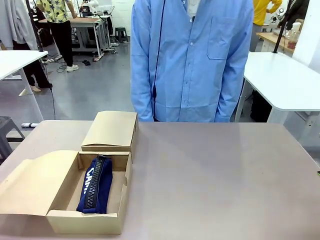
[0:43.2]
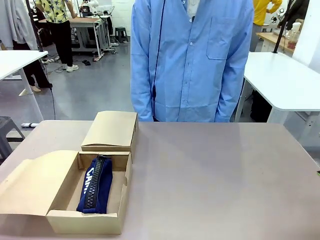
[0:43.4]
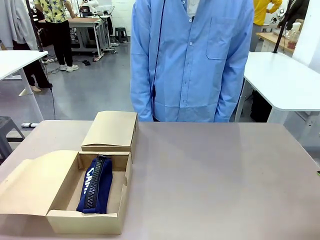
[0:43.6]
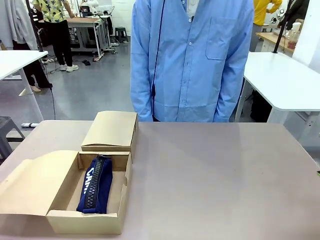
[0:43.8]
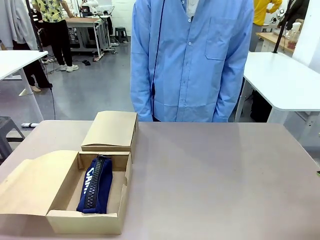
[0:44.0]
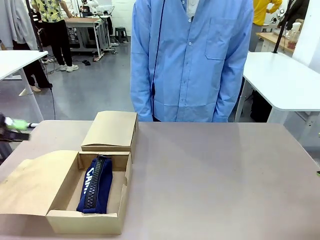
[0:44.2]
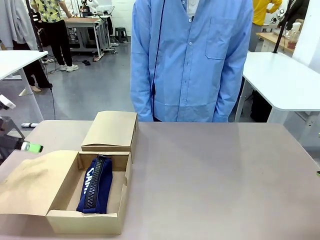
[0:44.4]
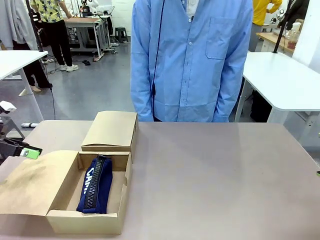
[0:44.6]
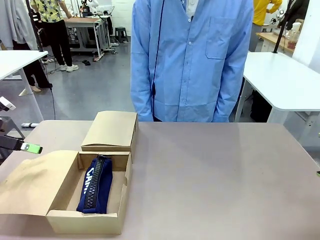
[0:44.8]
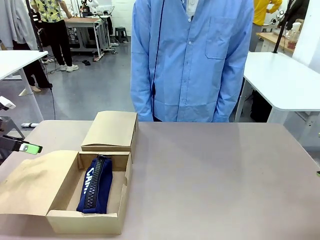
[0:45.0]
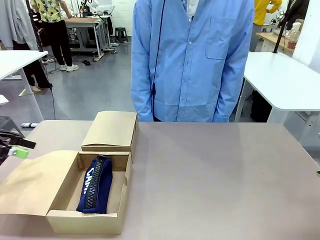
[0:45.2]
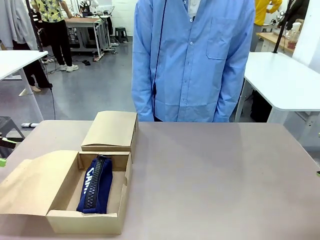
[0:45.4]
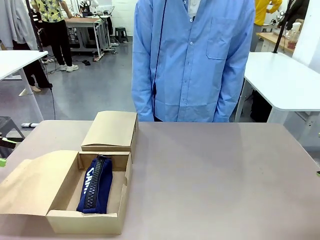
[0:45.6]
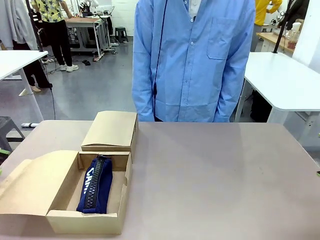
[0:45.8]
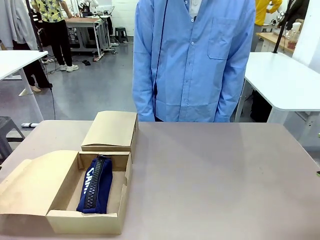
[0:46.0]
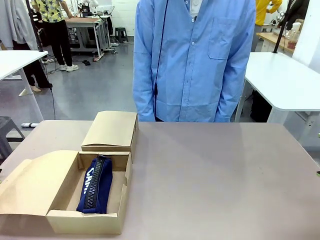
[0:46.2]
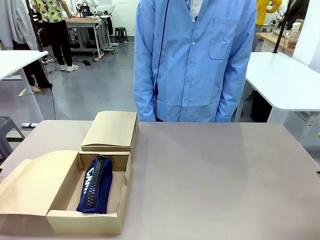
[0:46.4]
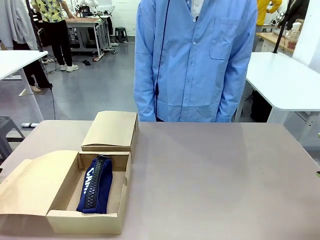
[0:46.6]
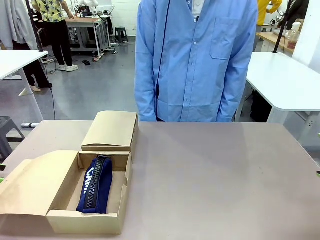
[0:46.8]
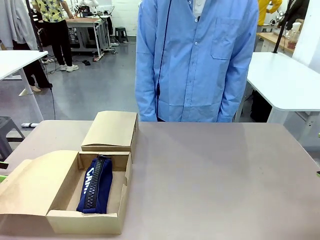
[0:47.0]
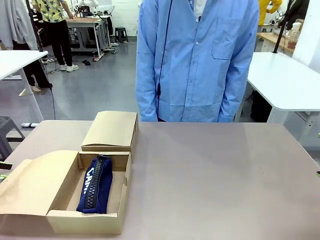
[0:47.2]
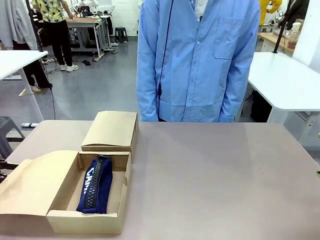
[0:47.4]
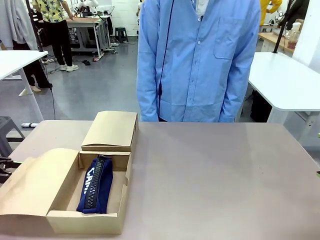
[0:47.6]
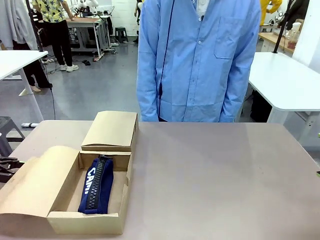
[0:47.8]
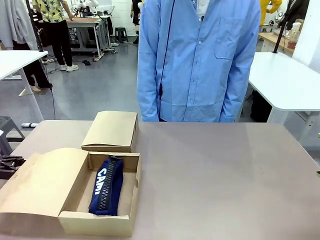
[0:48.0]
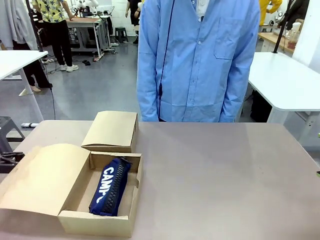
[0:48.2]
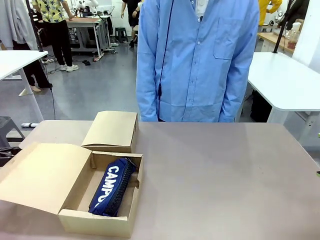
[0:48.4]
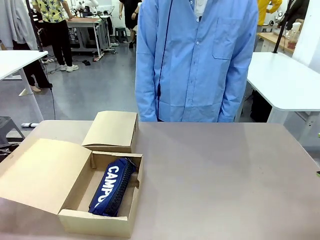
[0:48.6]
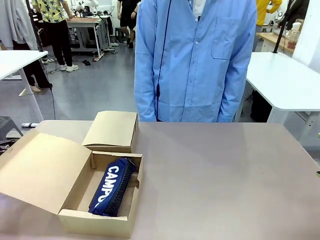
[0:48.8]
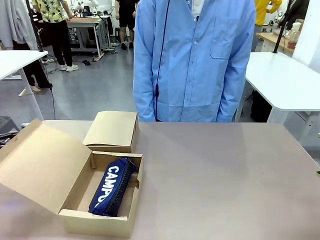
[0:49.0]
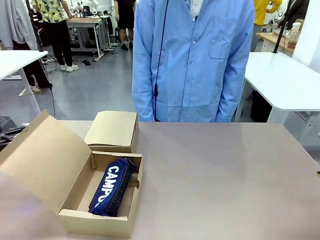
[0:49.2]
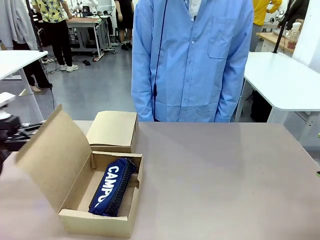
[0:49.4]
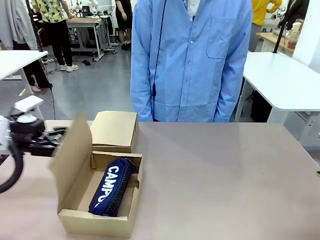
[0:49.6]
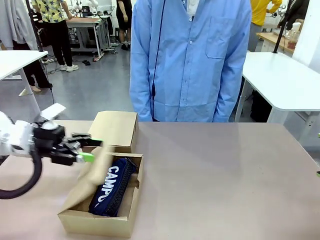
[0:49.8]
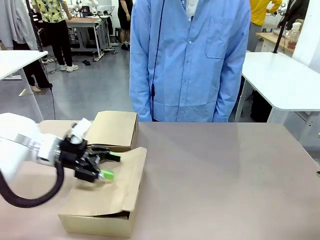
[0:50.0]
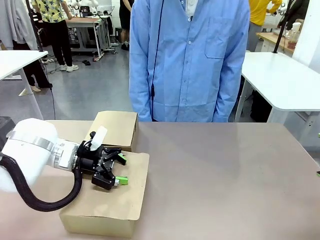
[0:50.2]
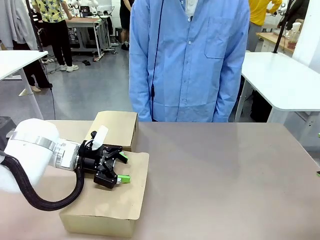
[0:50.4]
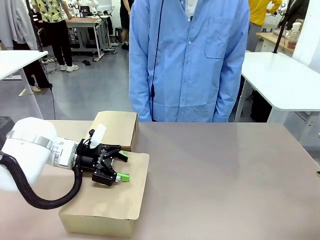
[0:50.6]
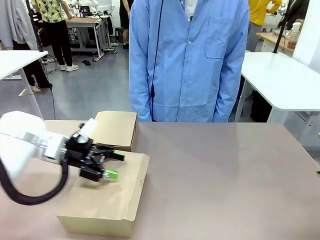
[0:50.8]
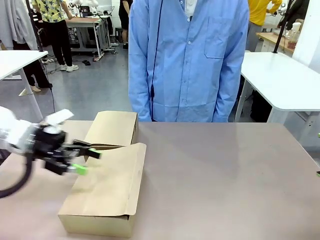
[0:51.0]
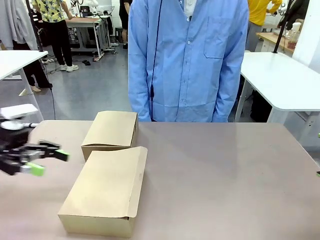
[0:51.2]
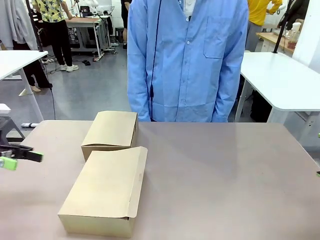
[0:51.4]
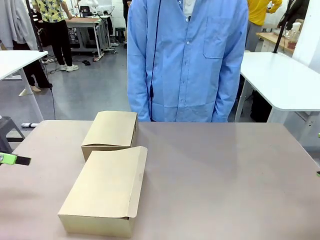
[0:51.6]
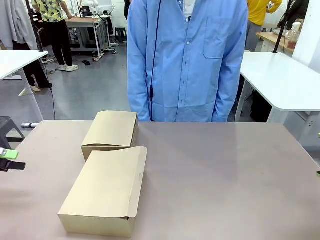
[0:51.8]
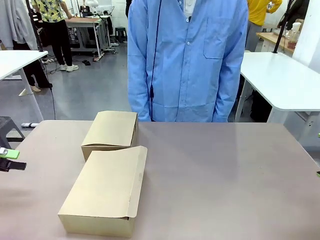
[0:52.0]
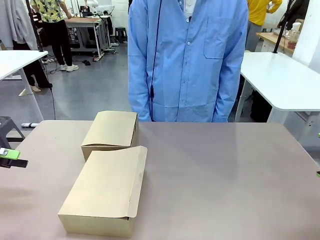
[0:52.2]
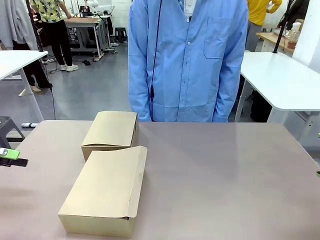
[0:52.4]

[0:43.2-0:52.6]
Task: Place items inside the box.
Robot: Close the lid of the Mailer Box closest to the robot.

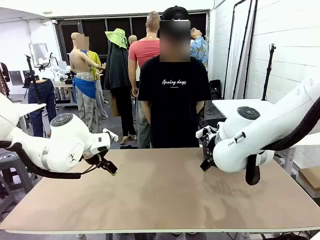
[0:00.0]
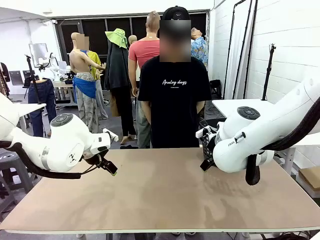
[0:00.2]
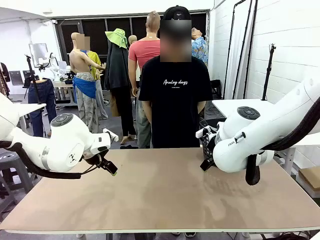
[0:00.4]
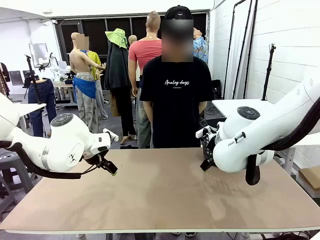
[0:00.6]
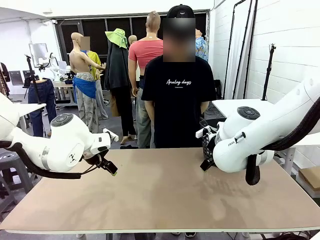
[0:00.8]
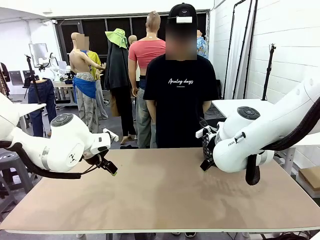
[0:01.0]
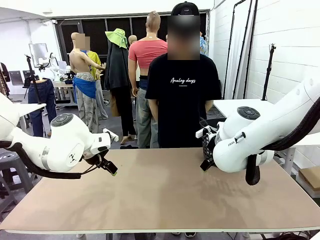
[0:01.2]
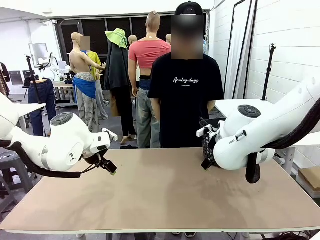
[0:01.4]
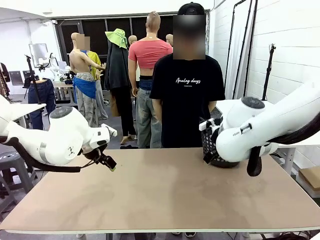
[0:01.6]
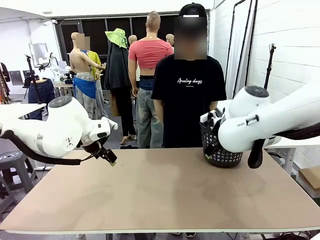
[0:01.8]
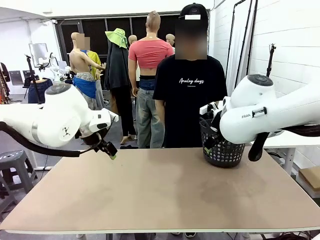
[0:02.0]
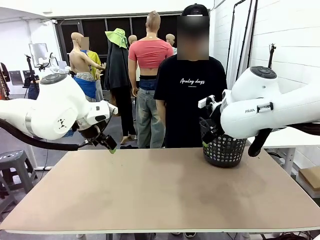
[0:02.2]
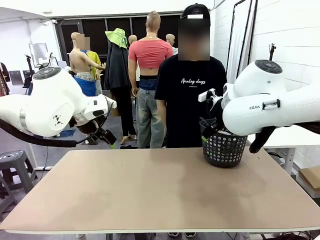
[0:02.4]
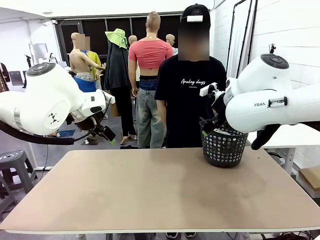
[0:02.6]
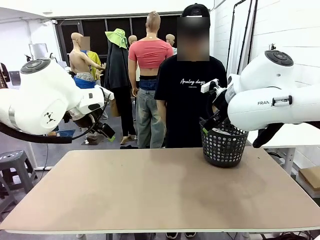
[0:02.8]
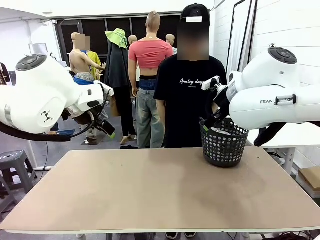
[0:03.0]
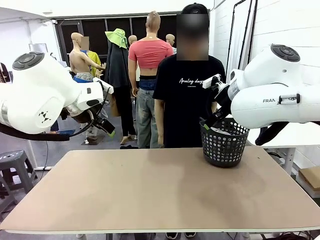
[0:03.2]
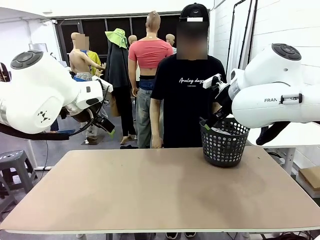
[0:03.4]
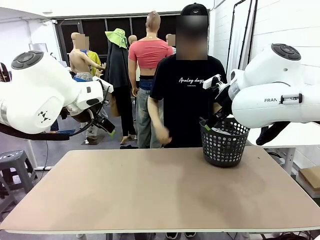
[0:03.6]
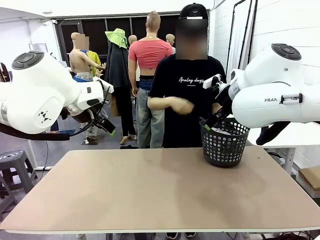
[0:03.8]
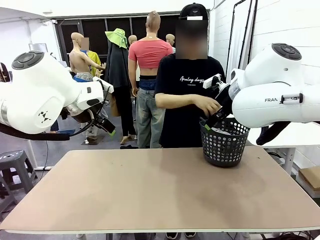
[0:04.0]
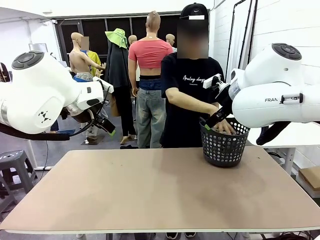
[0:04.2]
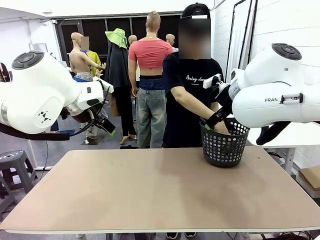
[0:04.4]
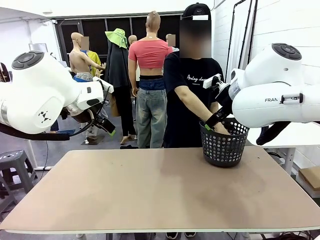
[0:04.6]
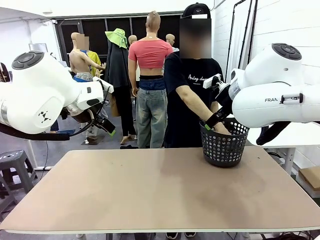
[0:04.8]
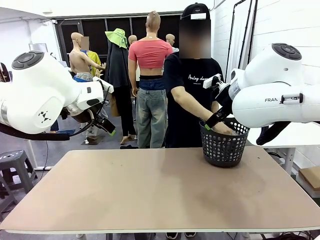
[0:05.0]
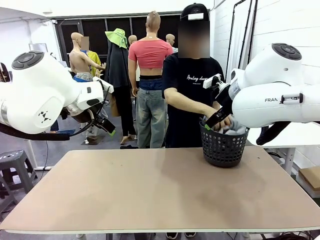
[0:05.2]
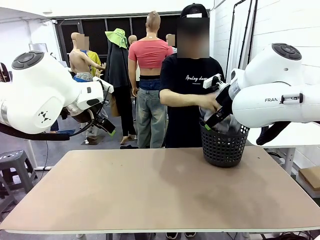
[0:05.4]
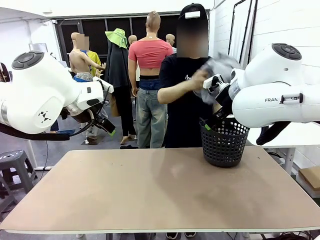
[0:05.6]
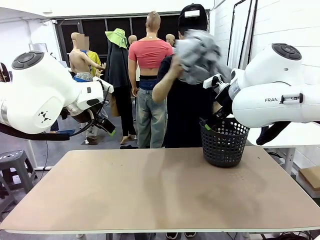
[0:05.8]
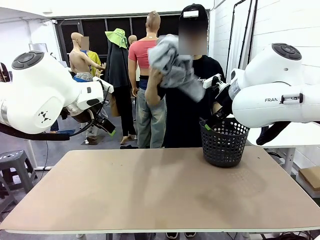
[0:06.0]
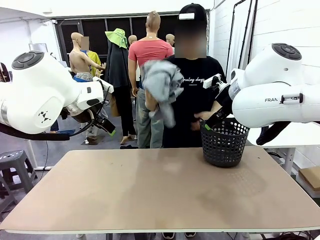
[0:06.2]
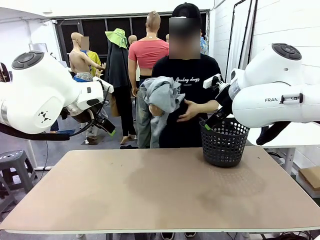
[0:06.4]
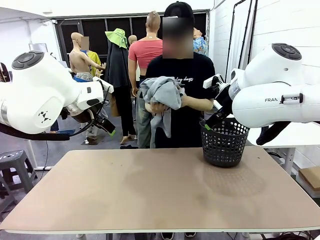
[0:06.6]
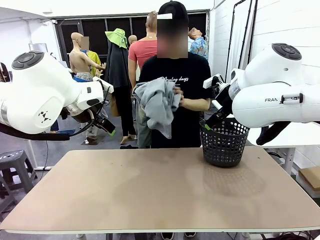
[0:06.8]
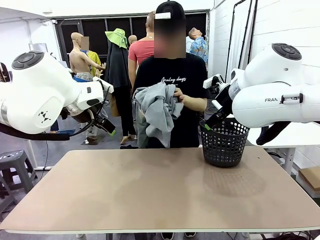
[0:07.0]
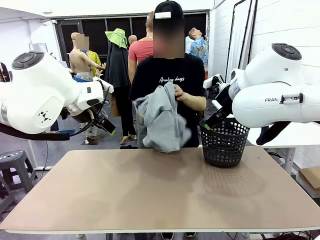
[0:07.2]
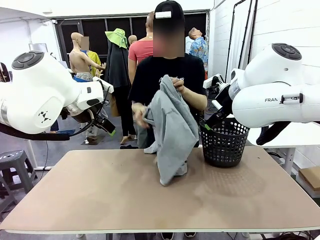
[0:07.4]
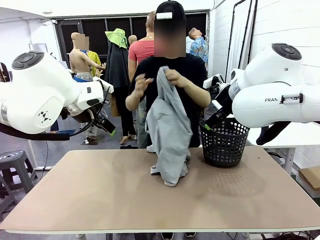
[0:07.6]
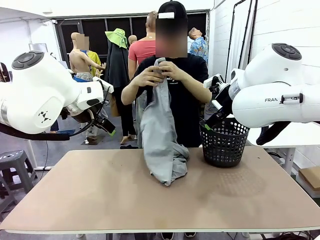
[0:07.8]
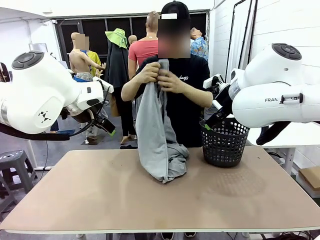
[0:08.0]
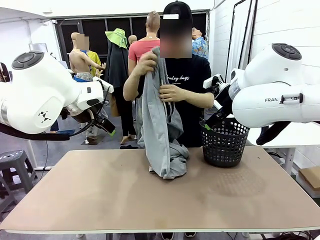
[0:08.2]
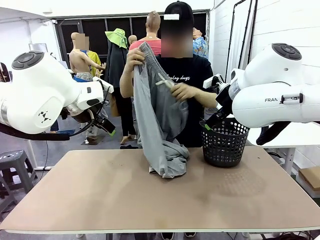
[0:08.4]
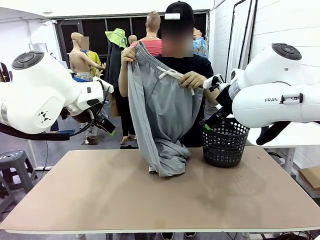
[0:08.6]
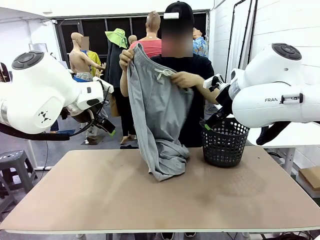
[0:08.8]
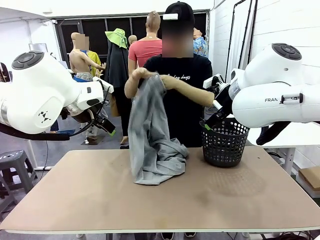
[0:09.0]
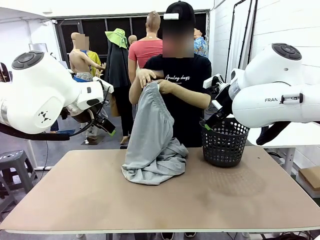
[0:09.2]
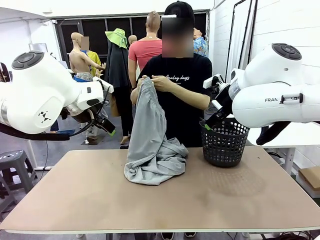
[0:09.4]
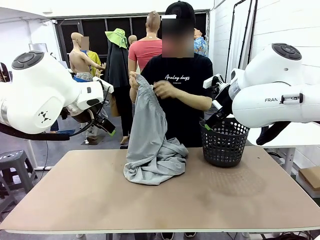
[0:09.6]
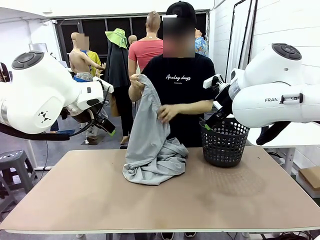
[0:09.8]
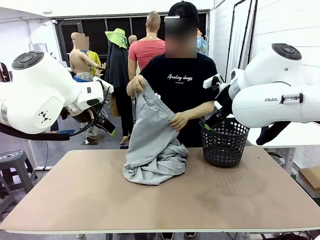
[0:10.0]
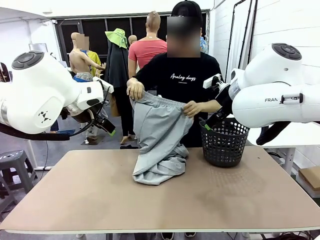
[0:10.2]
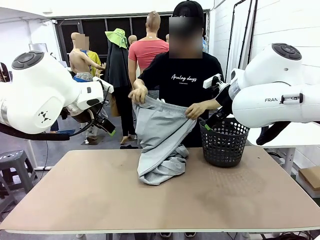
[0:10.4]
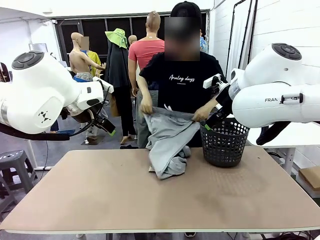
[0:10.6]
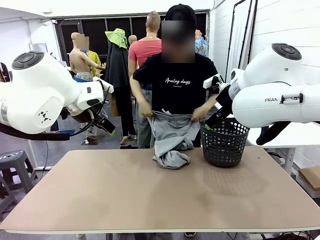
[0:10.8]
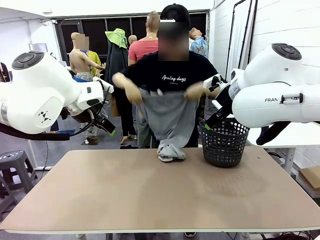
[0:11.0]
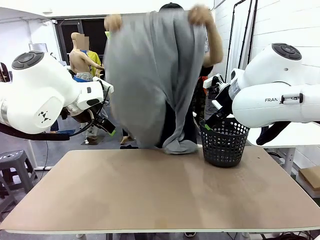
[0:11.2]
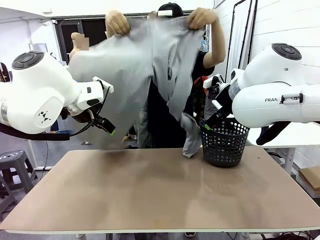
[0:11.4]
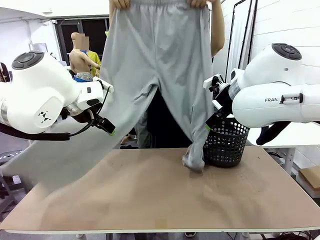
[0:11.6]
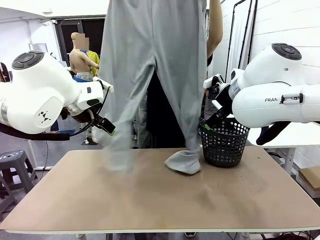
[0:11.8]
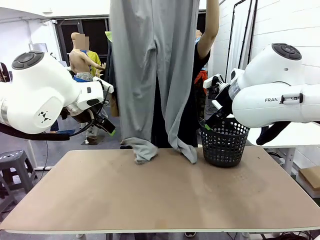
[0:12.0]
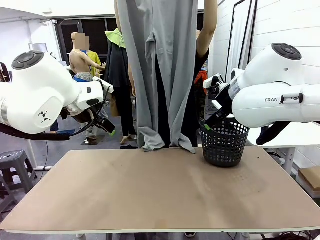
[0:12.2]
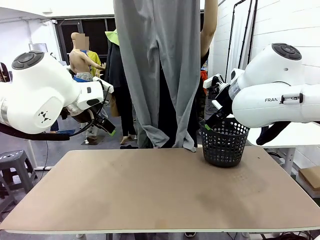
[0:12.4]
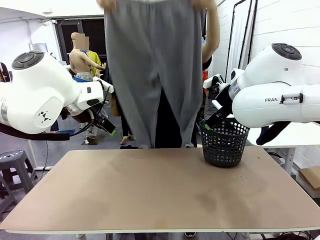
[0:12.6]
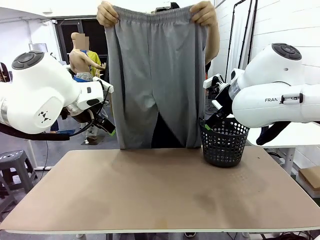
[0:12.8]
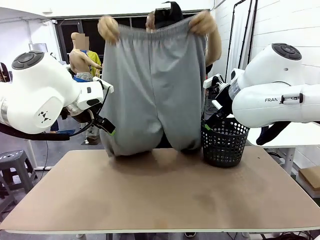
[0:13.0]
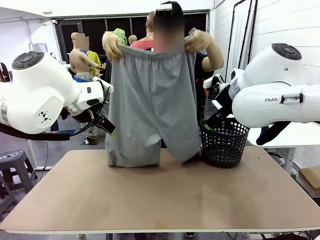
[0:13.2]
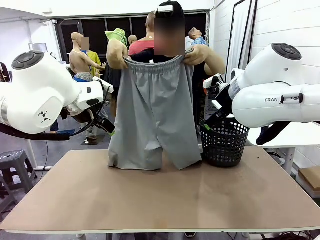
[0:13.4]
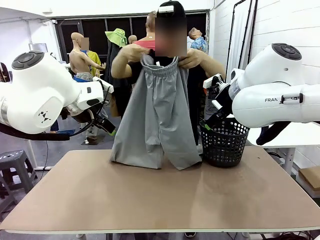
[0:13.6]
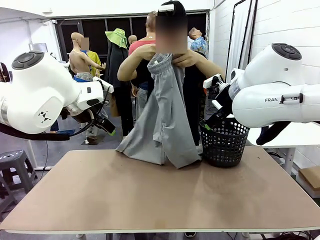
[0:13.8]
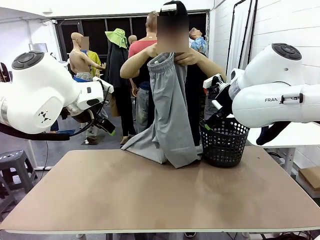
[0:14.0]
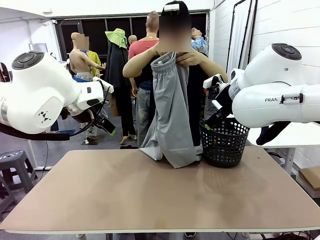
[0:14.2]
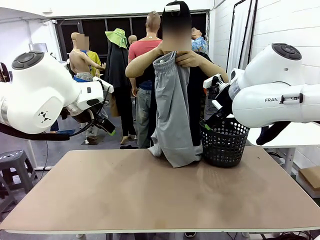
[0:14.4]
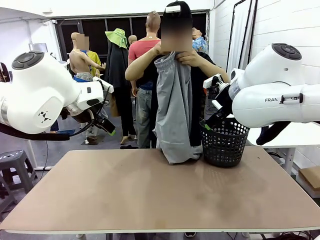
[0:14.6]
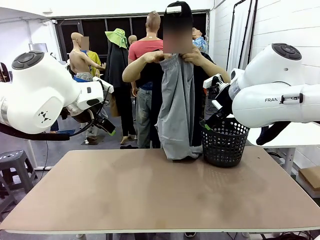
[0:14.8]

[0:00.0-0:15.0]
Task: Fold the training pants.
Robot: Grab both ends of the Training pants handed by a person.
Person: Take the long pants out of the laundry basket, unfold them, fold the waist in half, and extend them so the robot can pick up both corners.
